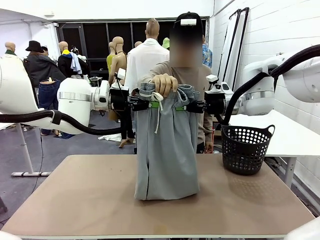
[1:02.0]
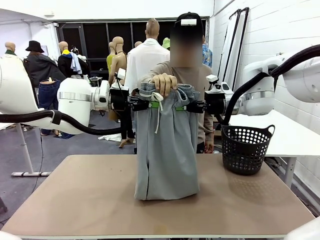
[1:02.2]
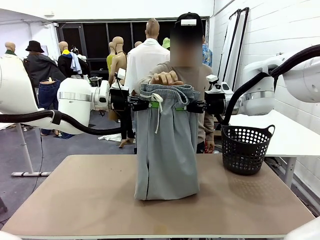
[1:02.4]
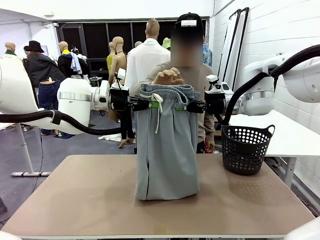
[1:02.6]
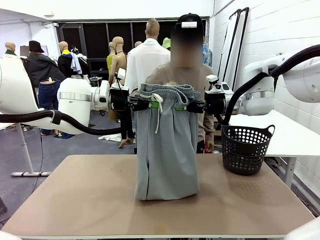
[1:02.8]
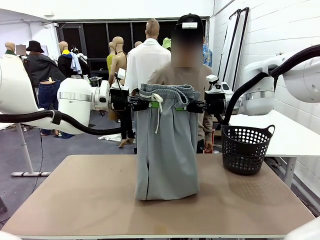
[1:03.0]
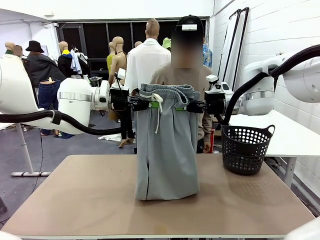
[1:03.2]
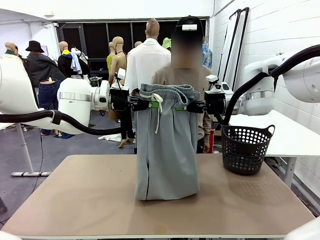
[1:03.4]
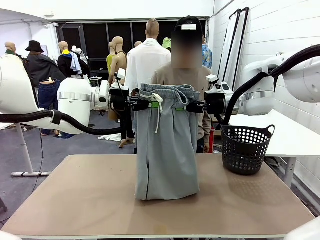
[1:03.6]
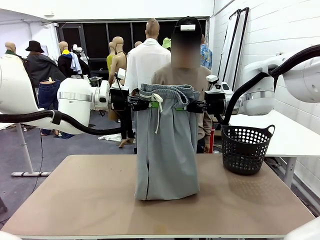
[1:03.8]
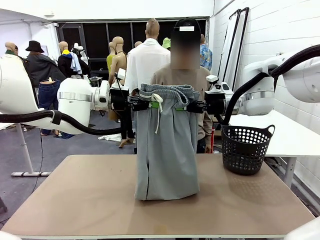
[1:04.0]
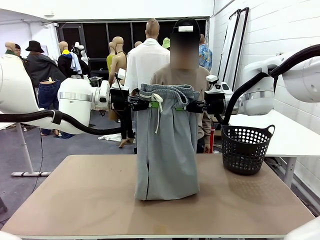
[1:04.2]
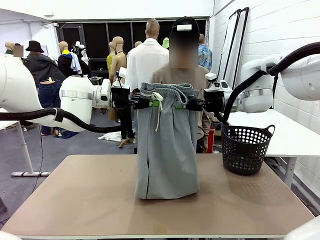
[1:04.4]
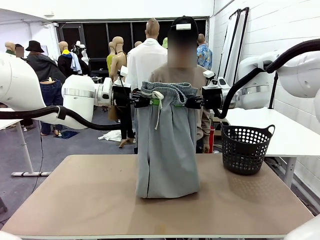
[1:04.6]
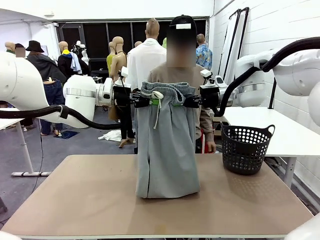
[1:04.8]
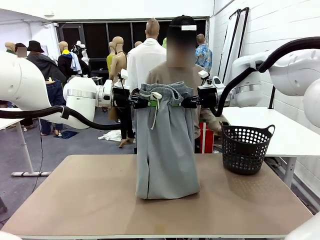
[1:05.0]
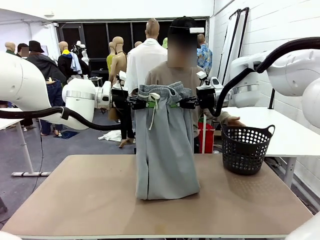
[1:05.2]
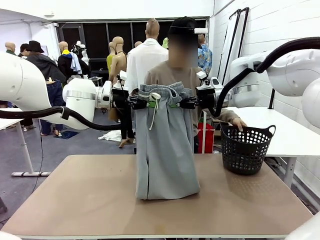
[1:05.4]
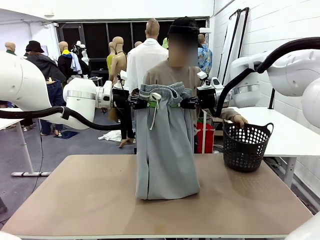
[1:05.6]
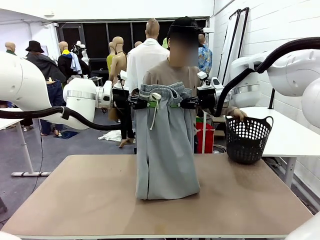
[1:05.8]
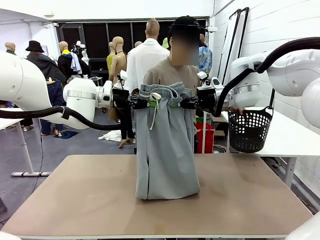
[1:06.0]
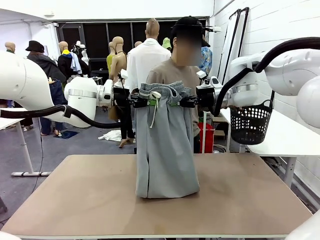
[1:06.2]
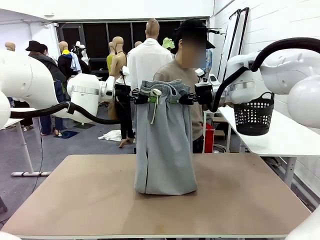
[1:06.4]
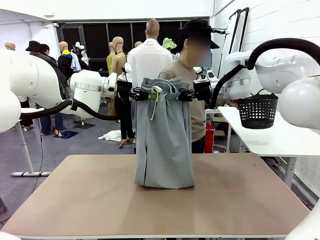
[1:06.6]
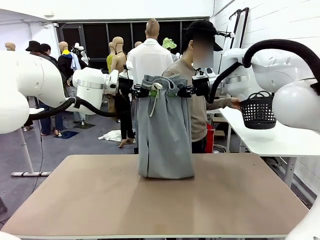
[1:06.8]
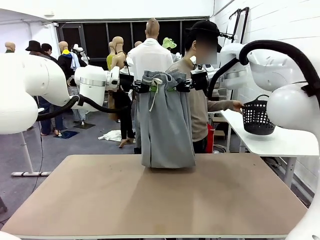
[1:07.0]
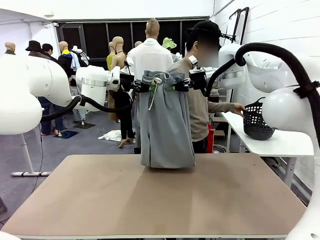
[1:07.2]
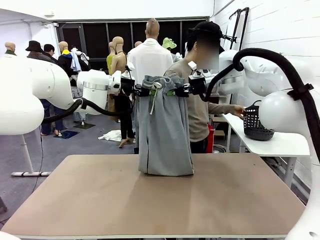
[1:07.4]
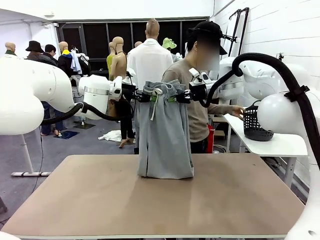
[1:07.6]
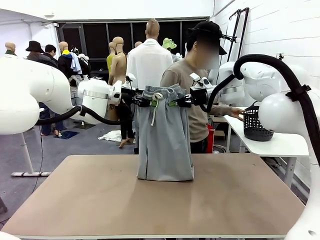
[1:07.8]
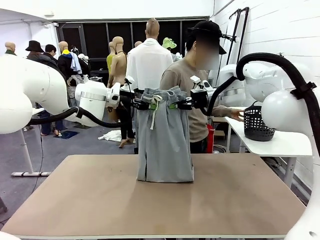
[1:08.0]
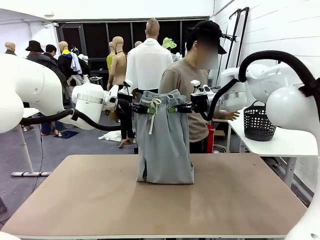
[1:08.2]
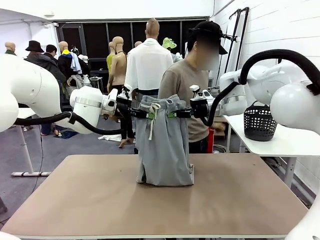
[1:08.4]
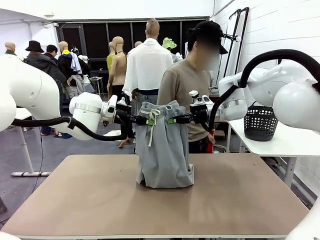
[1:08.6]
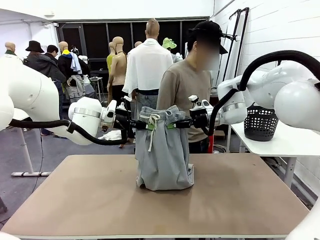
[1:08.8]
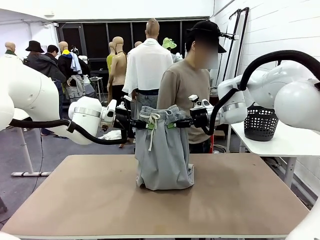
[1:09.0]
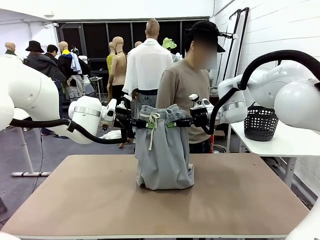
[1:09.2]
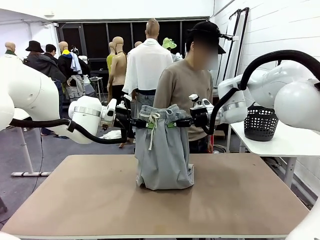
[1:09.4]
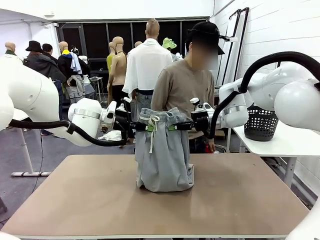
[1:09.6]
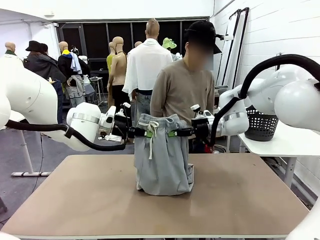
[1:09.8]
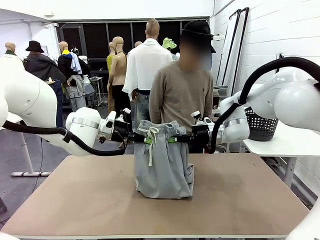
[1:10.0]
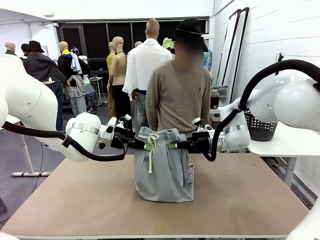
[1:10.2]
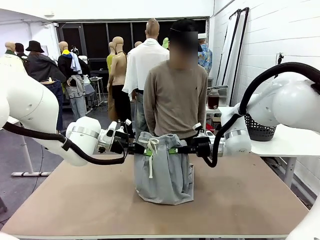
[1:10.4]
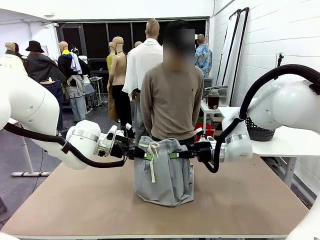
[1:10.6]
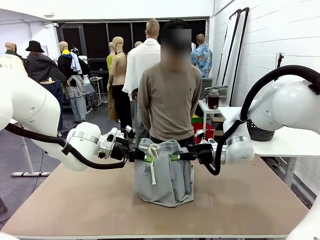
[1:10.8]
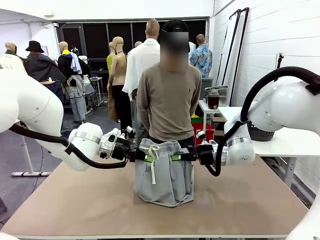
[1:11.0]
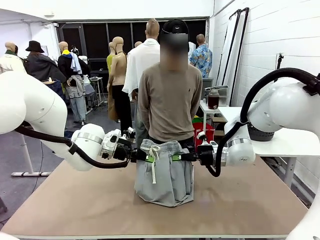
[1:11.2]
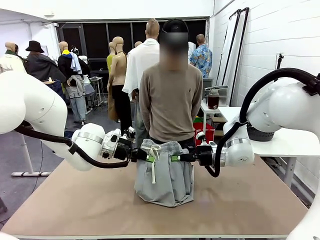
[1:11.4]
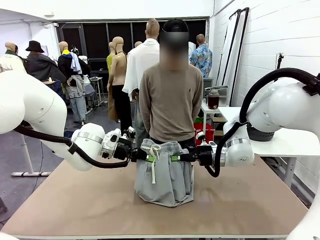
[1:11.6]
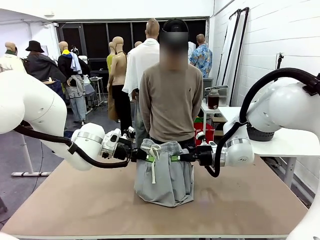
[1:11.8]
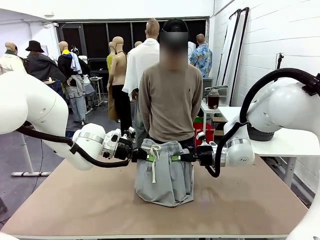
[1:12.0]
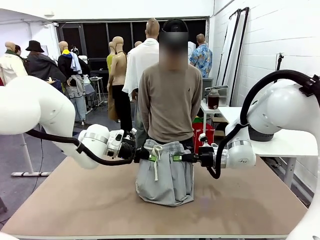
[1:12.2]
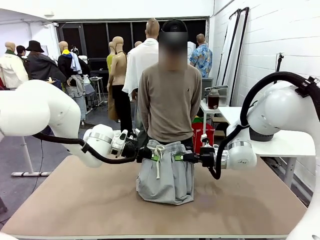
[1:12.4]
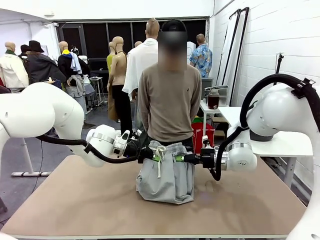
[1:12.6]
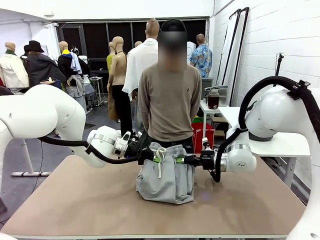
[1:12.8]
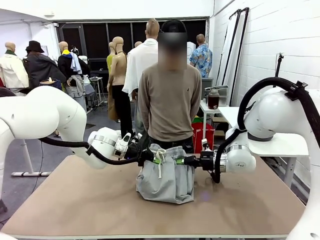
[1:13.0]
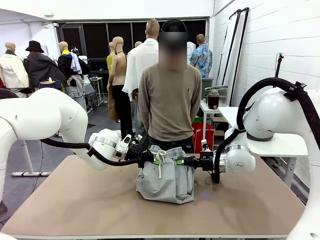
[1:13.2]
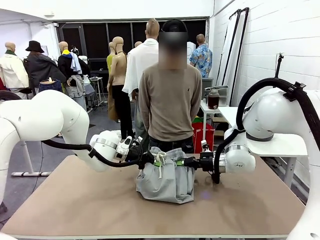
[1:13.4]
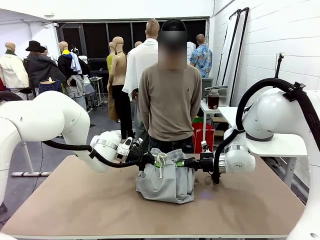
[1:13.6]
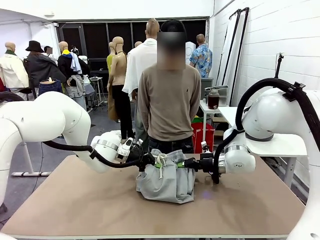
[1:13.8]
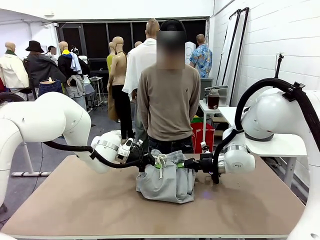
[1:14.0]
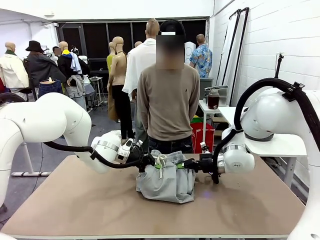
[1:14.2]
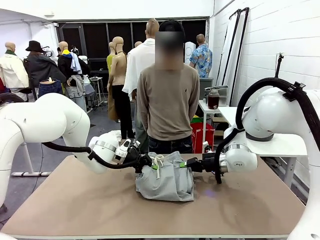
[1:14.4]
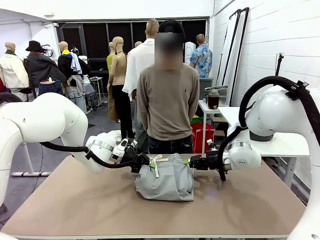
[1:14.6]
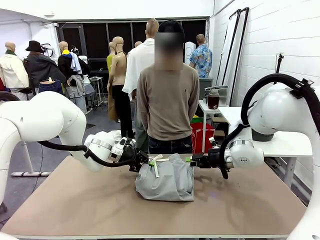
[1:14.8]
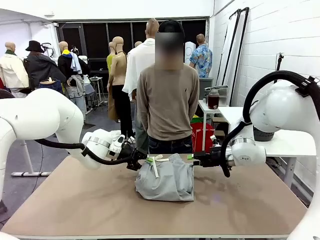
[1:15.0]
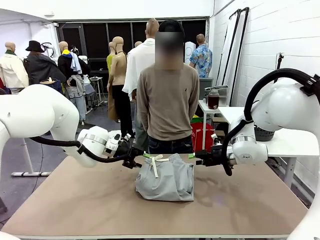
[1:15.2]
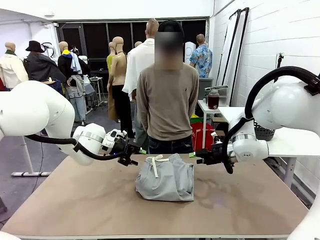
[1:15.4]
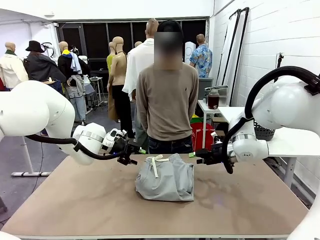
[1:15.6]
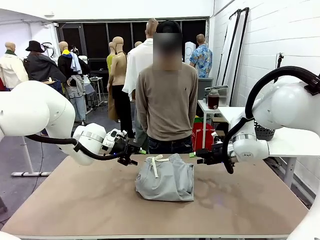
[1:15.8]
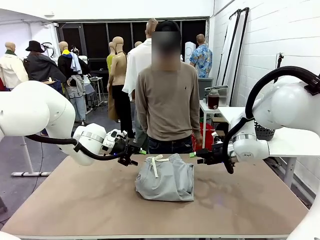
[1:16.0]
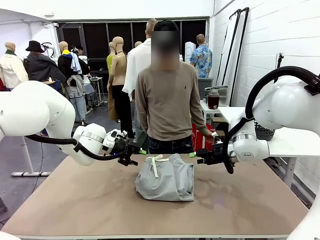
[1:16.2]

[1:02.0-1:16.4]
Task: Fold the training pants.
Robot: Fold the Training pants in half.
Person: Move the laundry basket to the right of the human table.

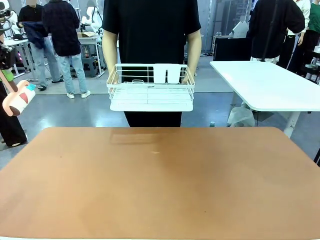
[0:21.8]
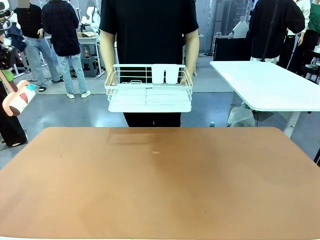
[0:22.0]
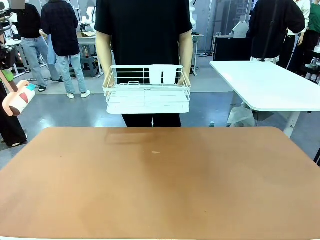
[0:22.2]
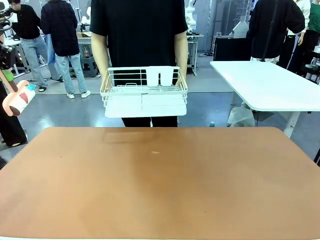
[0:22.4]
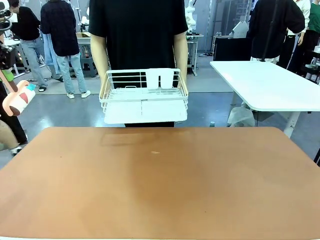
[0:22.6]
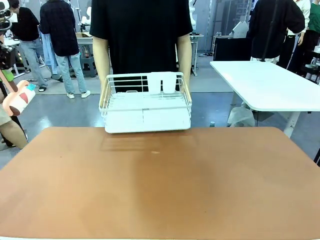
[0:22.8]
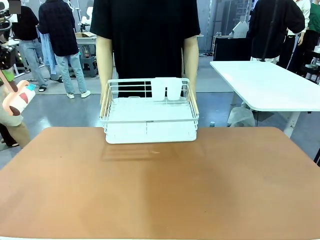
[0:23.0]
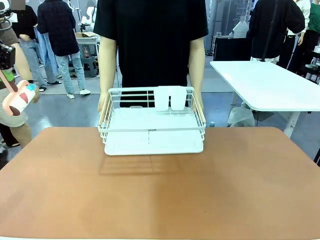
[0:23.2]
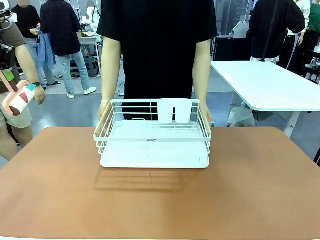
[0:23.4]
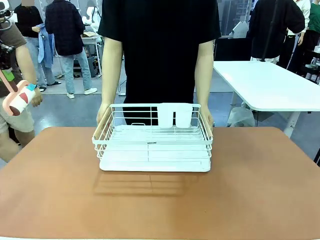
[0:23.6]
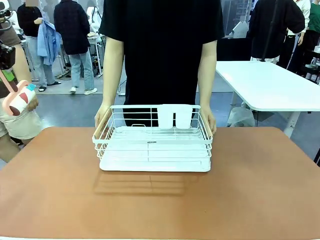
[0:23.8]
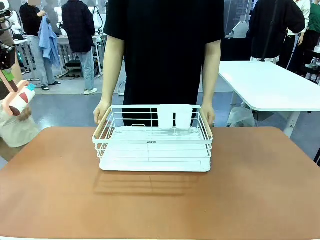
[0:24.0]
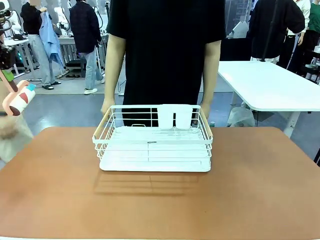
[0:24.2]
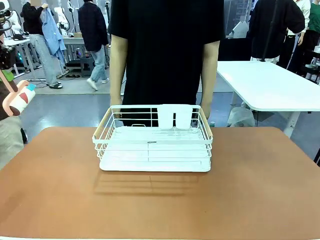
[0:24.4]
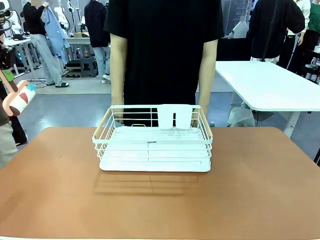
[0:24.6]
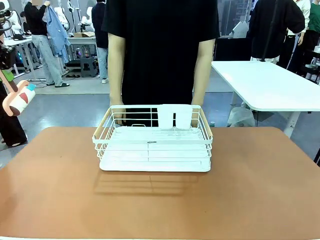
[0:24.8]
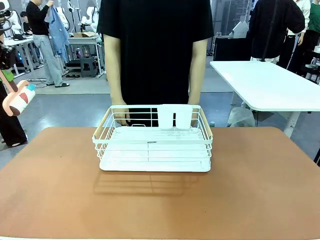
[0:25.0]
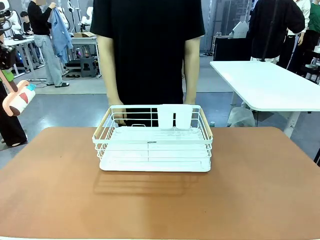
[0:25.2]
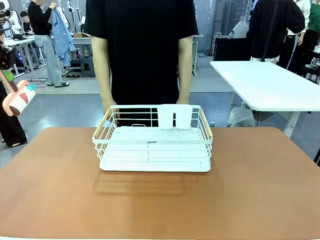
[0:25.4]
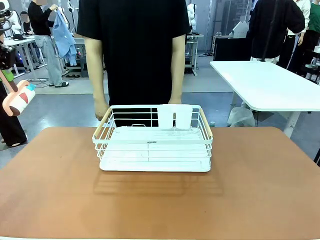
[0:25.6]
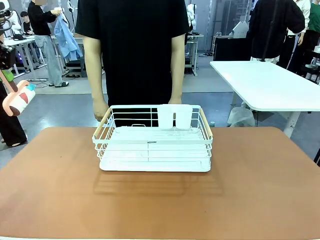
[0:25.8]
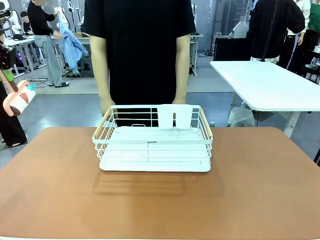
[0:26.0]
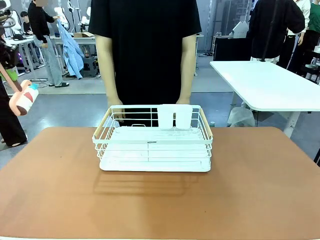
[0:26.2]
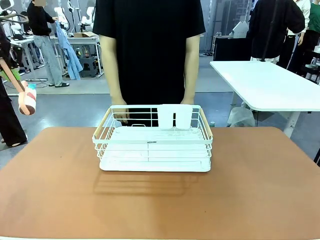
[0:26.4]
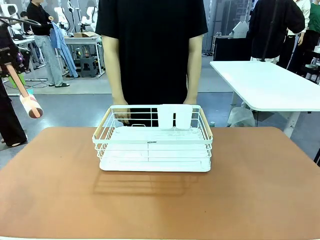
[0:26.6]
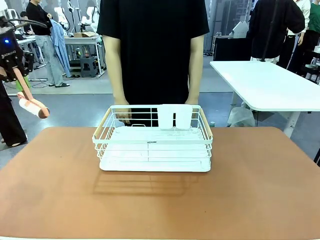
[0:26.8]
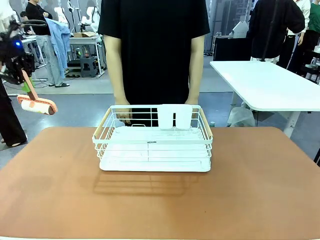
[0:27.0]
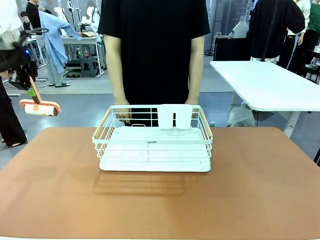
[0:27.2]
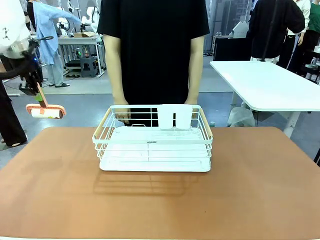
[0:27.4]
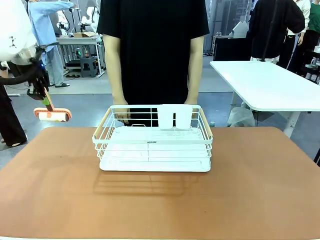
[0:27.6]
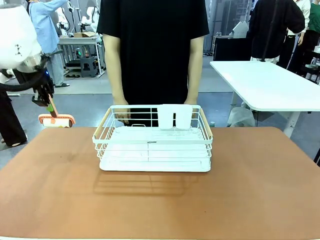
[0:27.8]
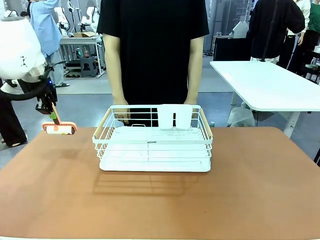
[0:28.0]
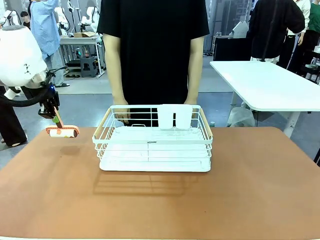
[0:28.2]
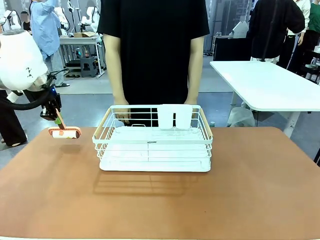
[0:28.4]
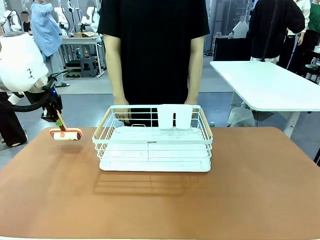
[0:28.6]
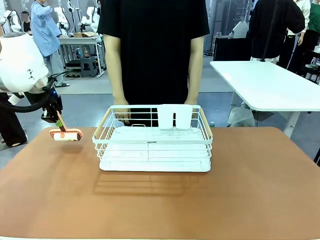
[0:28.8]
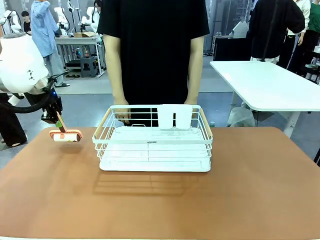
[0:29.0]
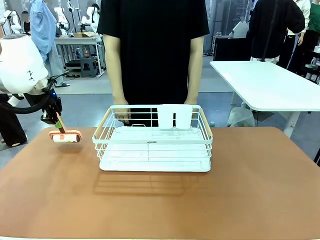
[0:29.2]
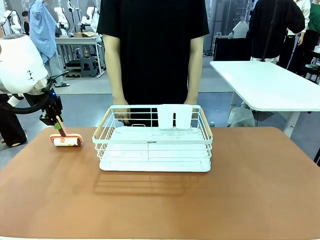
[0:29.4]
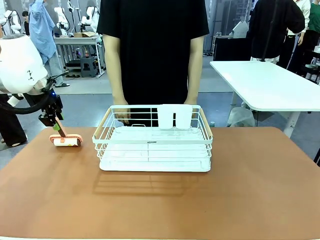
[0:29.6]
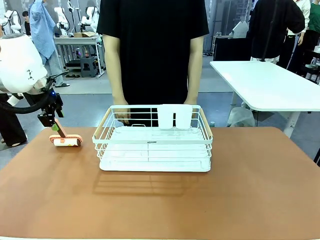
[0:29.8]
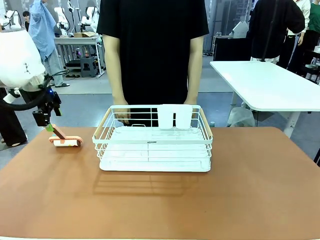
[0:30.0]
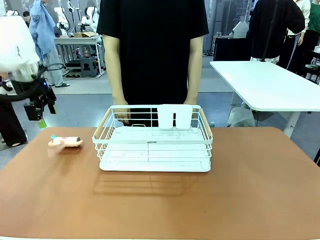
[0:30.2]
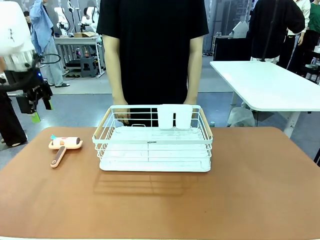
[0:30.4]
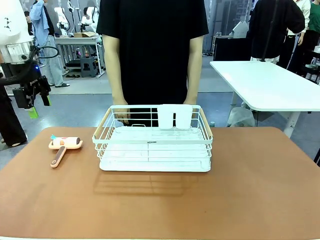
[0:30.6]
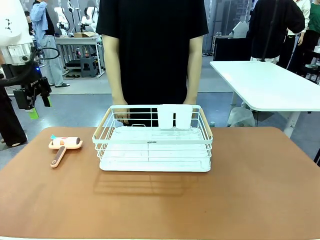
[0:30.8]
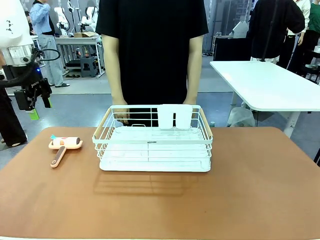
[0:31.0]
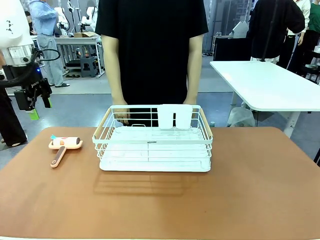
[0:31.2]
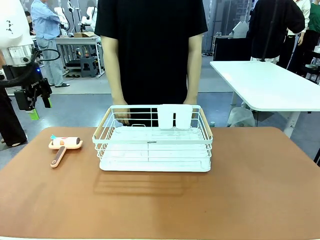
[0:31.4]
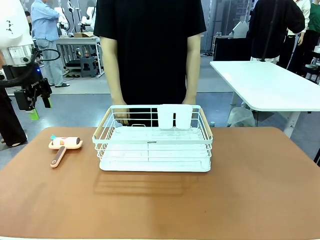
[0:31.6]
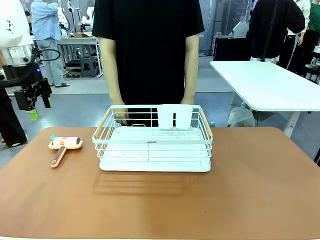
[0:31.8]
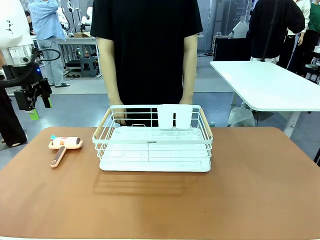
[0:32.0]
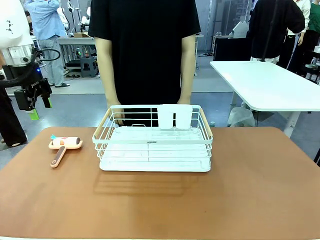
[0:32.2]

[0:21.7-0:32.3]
Task: Clean the table.
Robot: Place the Lint Roller down when the Dish drying rack is positioned in the middle of the table.
Person: Place the Dish drying rack down when the robot finishes cleaning.
